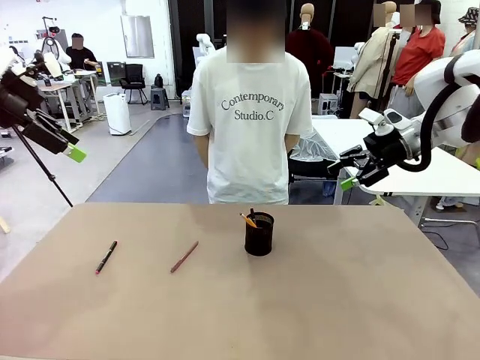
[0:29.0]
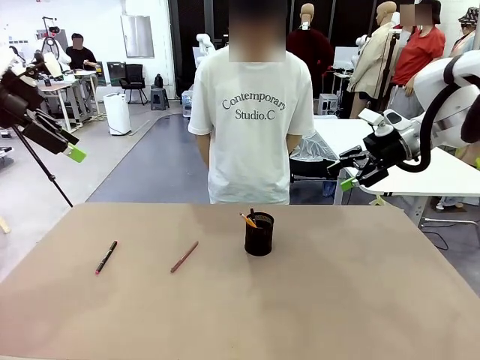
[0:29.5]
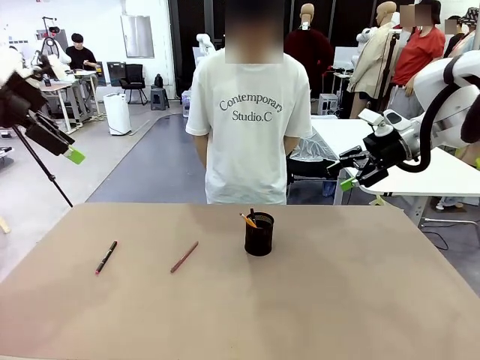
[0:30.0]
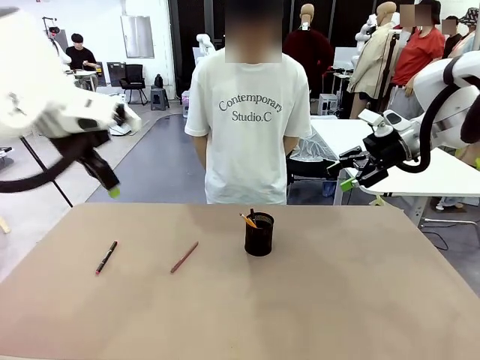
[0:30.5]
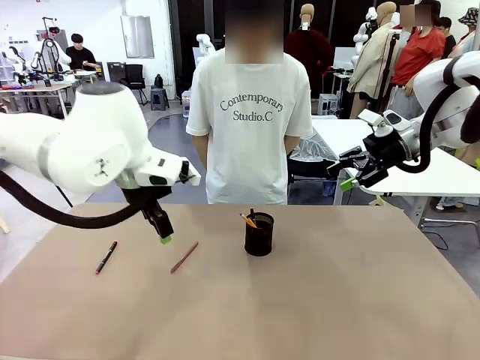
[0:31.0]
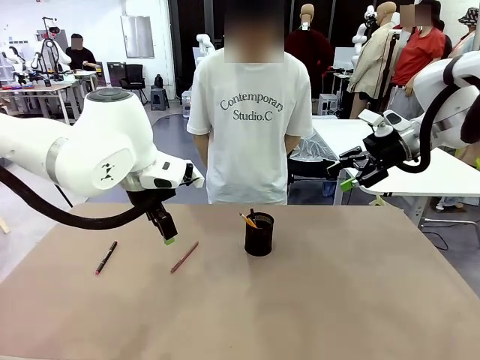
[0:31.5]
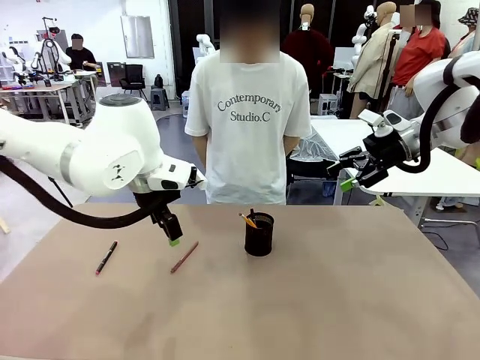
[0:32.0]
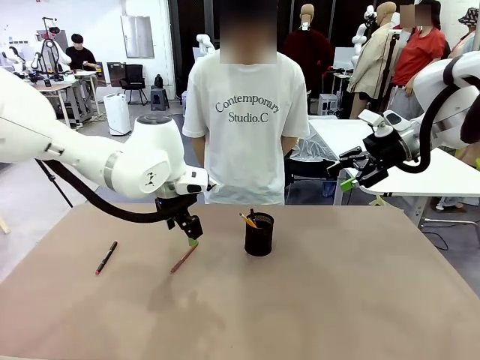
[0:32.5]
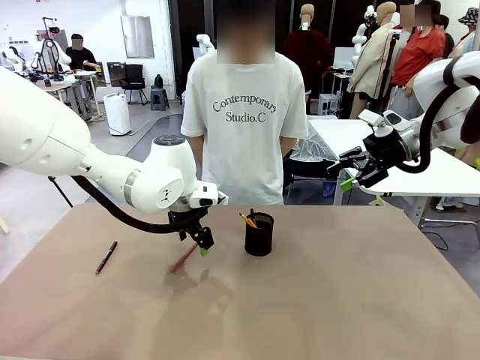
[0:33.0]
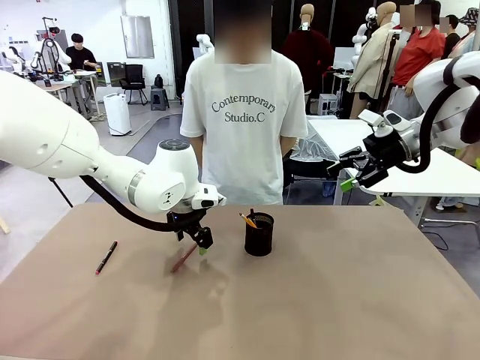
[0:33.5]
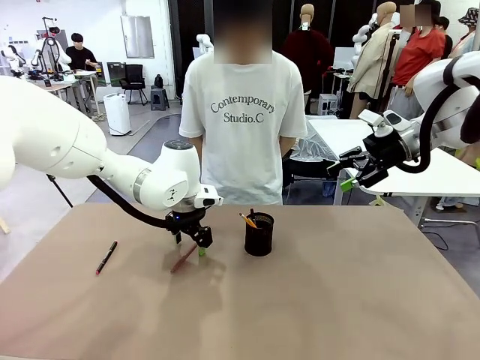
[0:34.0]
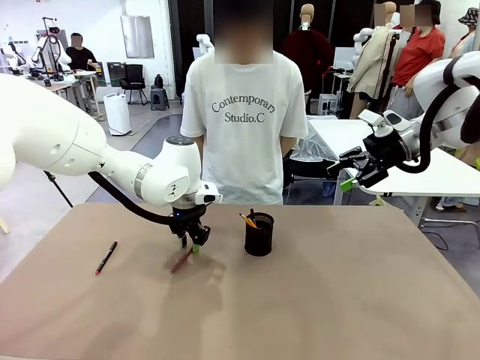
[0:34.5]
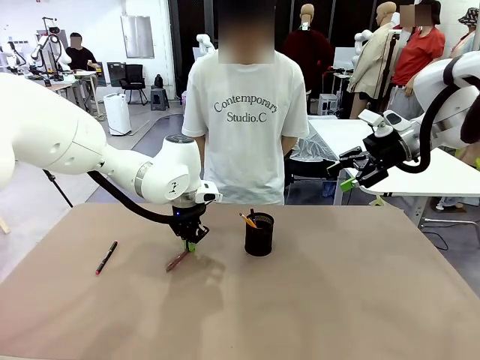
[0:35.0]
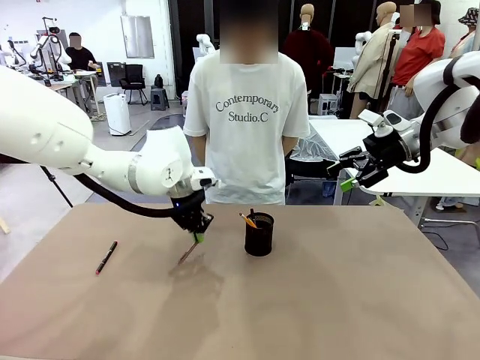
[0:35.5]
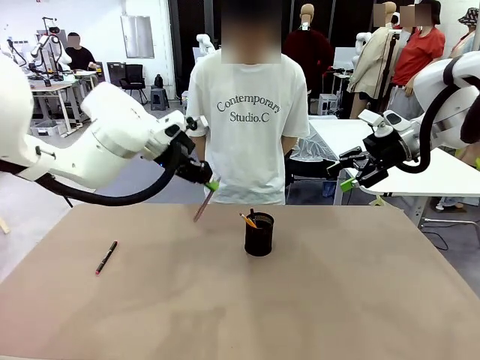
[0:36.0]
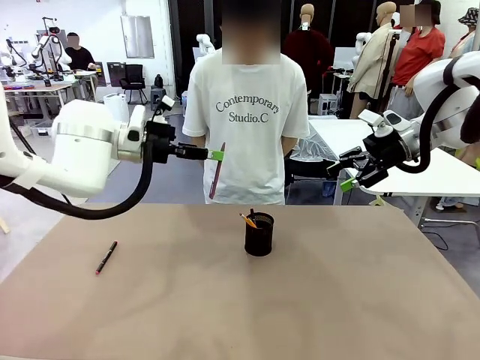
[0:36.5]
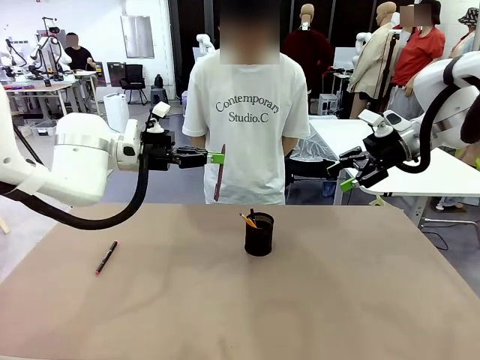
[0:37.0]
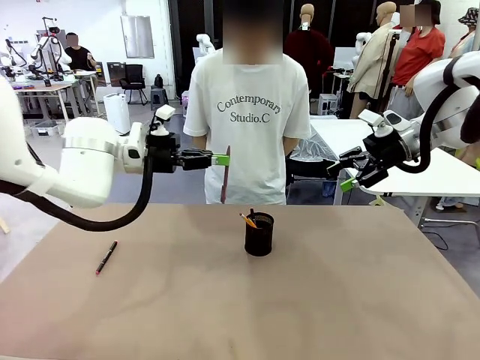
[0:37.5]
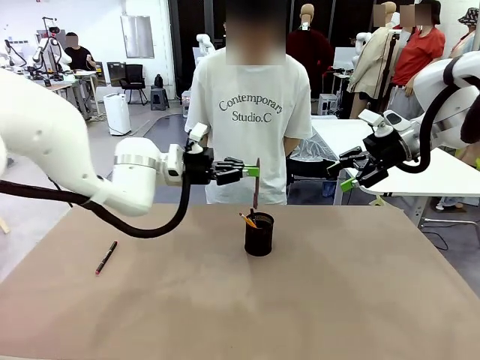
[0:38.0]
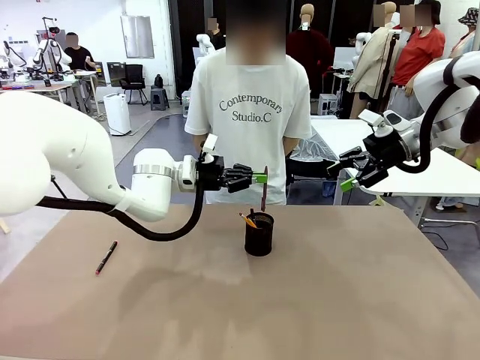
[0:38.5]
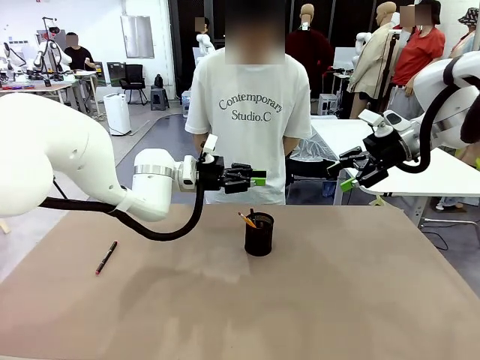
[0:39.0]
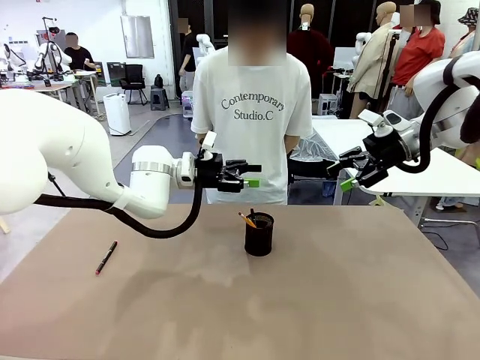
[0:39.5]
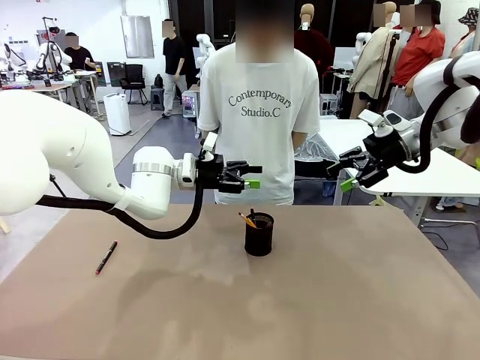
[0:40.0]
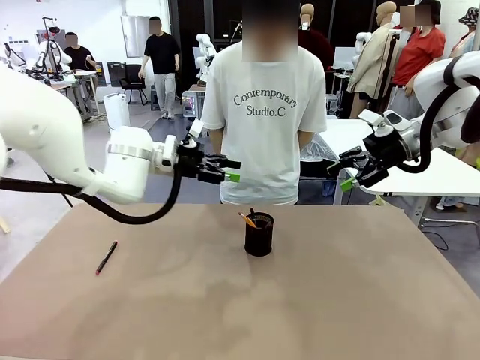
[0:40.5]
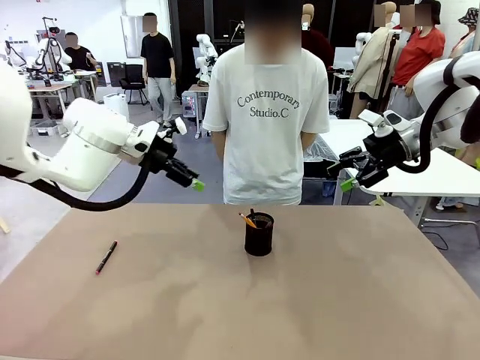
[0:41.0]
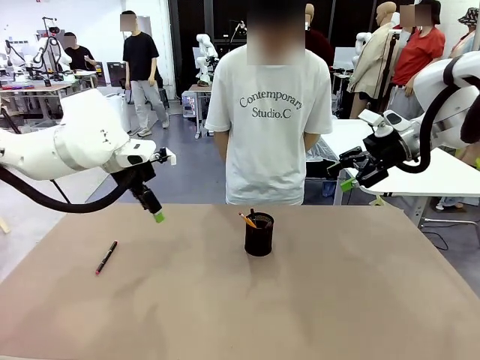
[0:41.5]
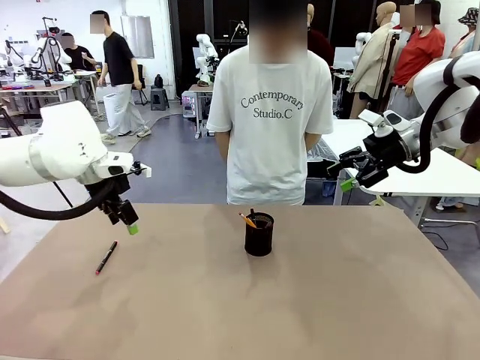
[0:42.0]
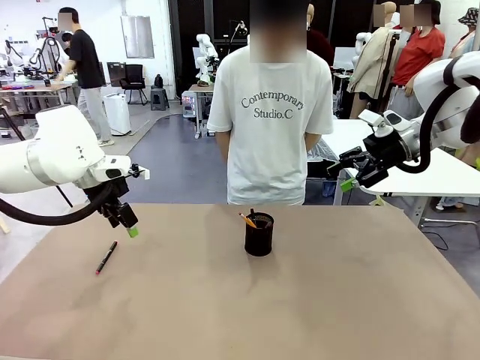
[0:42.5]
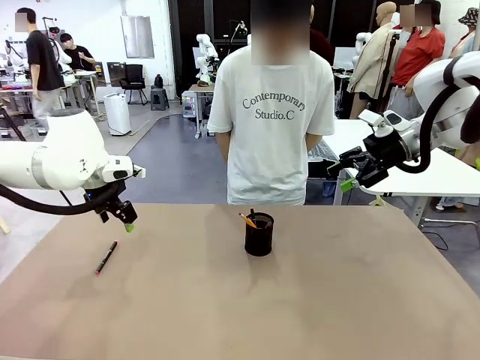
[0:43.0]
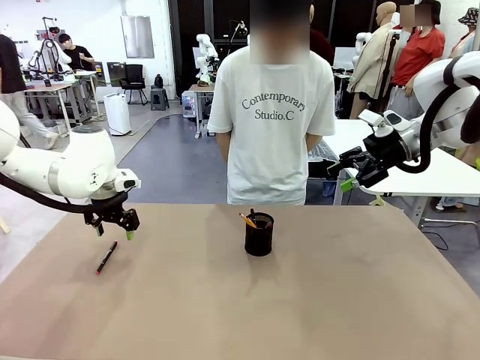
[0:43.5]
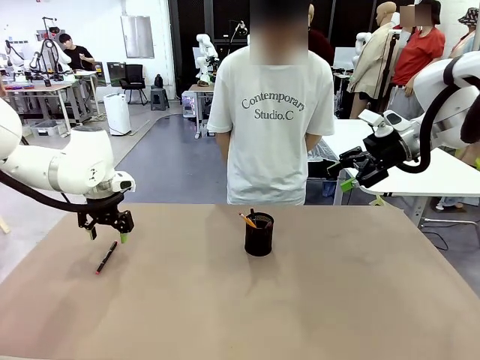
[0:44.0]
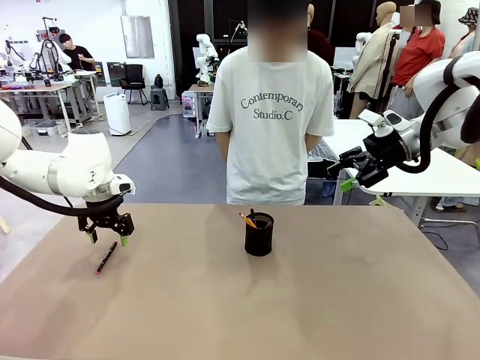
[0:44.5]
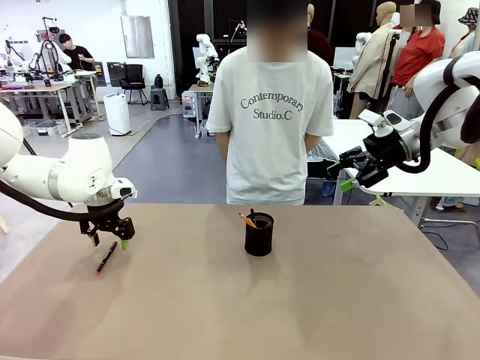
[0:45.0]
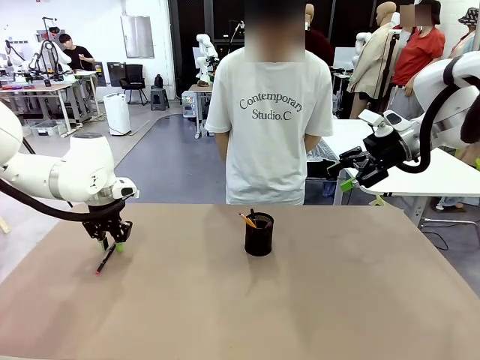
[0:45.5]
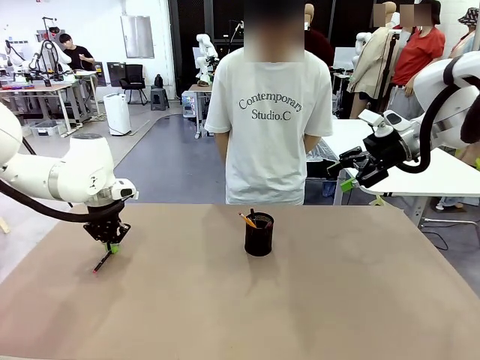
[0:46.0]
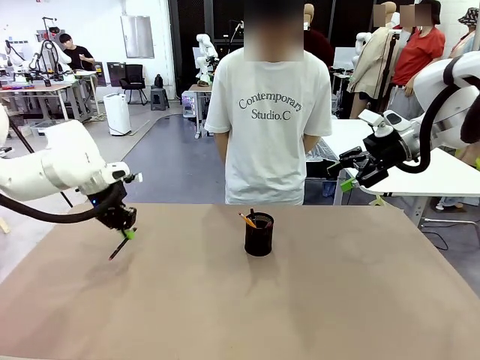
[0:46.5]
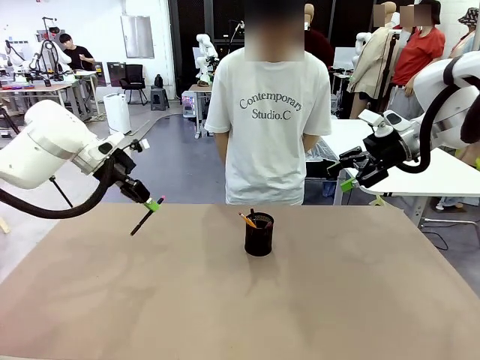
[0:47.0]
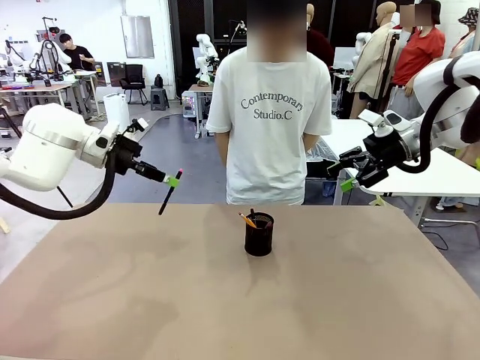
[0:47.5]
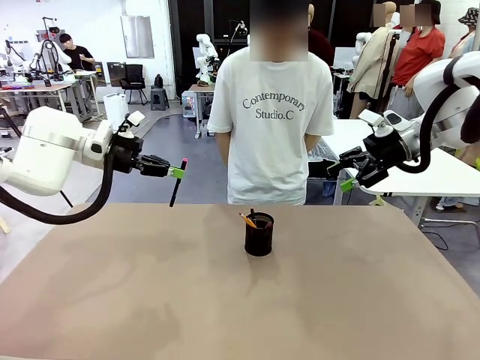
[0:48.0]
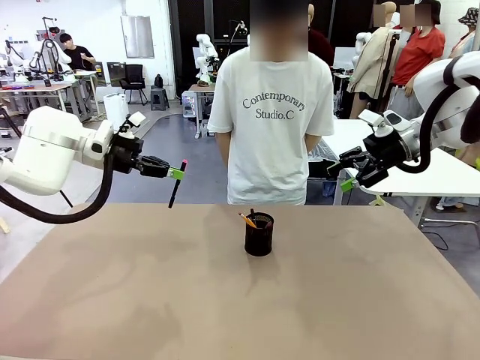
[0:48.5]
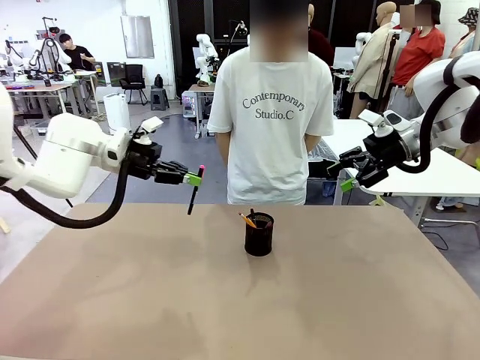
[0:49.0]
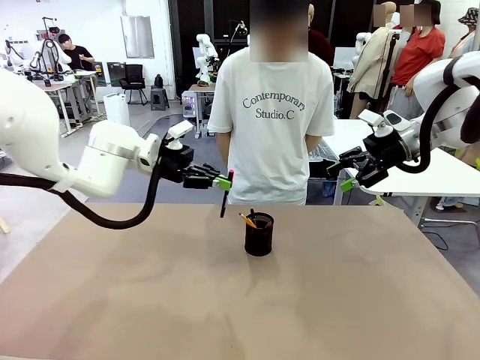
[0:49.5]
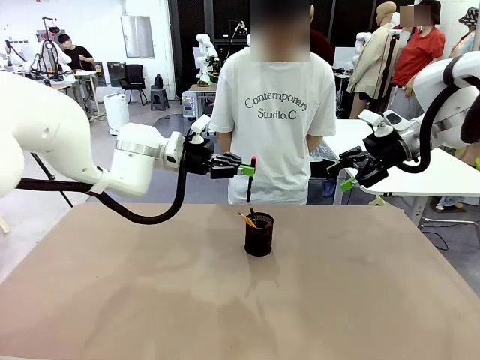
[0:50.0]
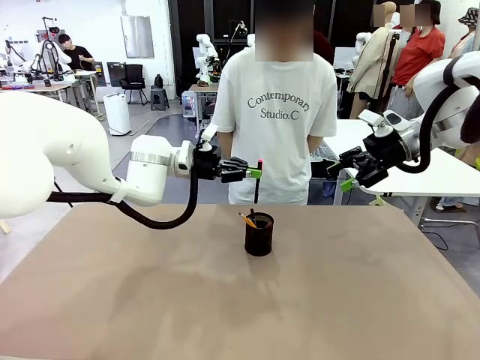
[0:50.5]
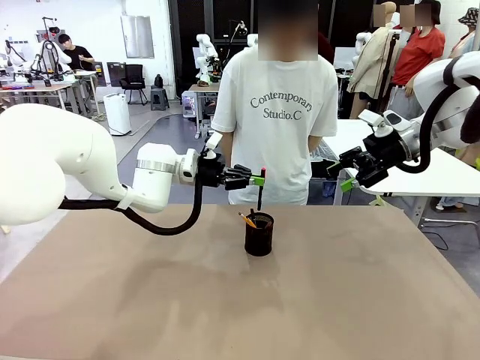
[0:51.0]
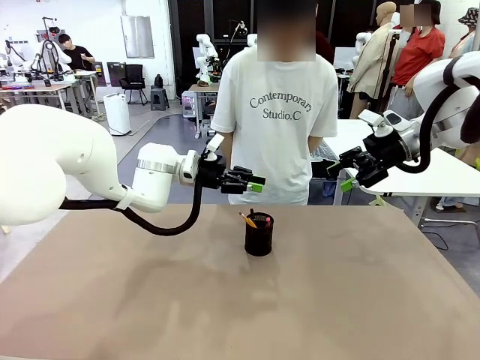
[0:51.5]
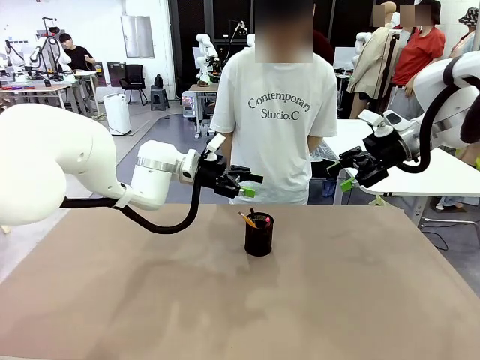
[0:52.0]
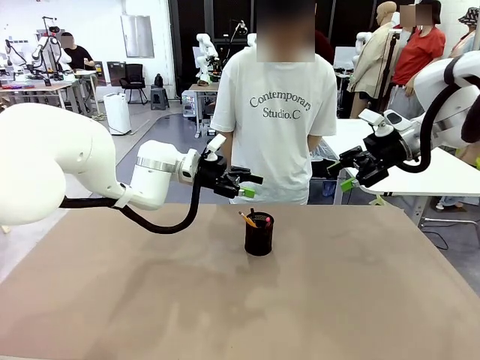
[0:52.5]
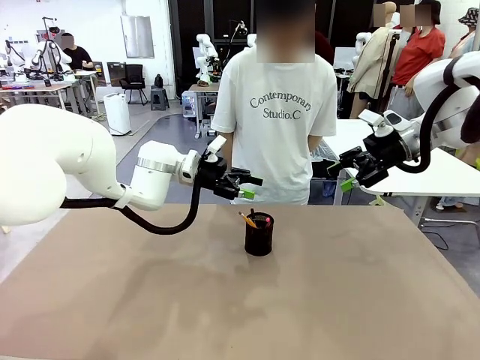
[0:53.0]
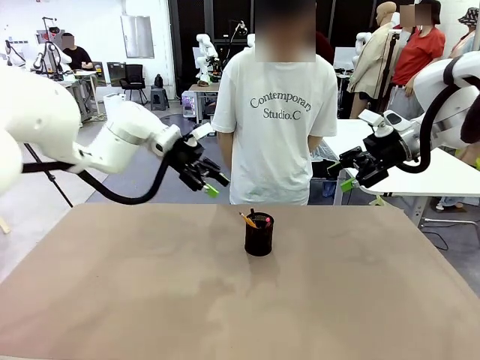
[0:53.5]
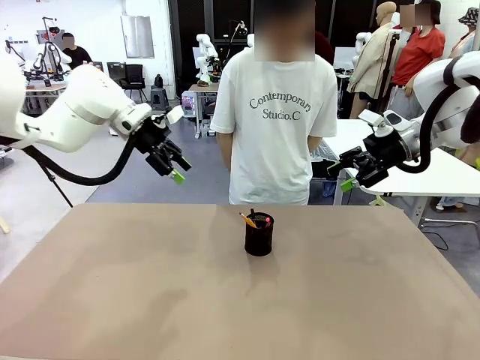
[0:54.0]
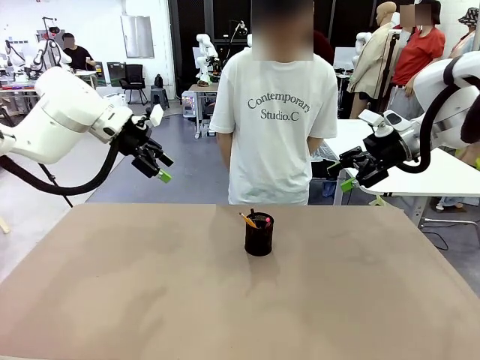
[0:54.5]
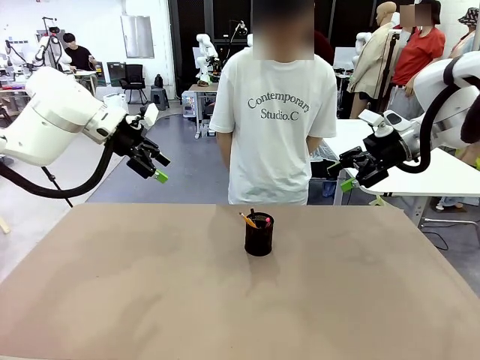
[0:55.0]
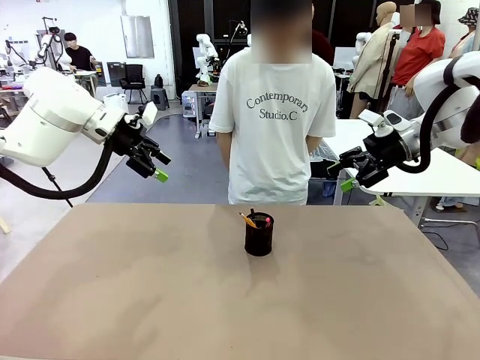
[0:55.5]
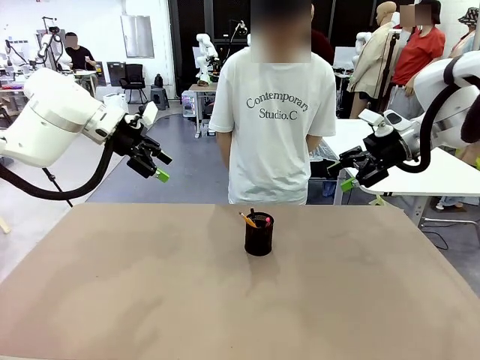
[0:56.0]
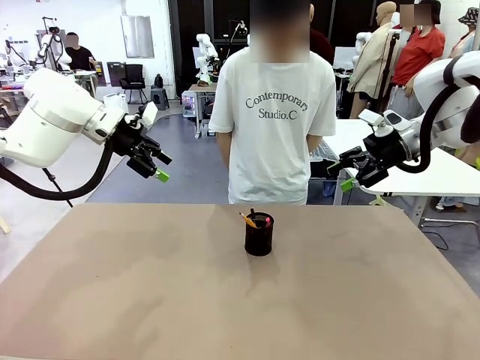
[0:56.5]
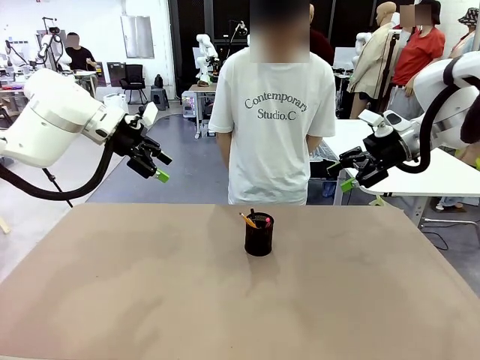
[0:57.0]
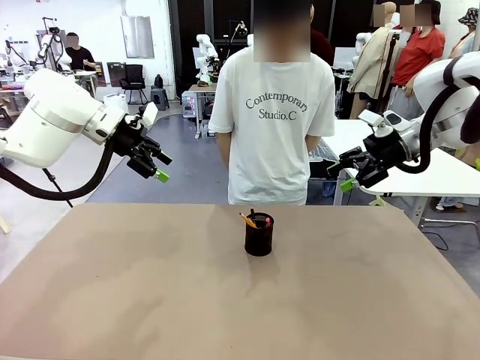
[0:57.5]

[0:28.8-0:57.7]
Task: Place the pens into the pen holder.
Robot: Pick up a writing instrument from the table and place it into the Pen holder.
Person: Place all writing instrument into the Pen holder.
